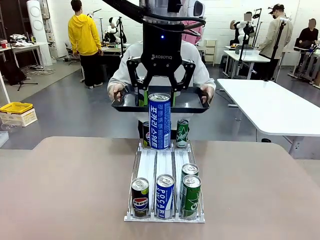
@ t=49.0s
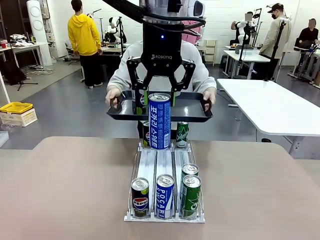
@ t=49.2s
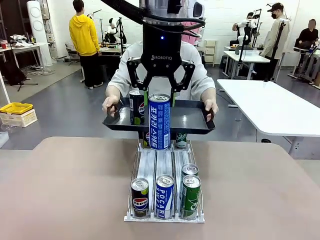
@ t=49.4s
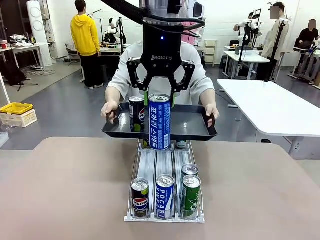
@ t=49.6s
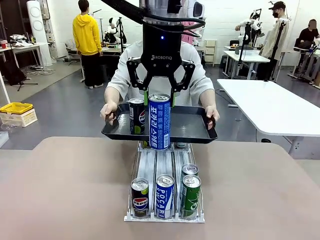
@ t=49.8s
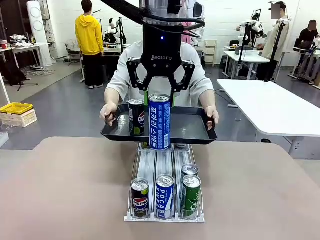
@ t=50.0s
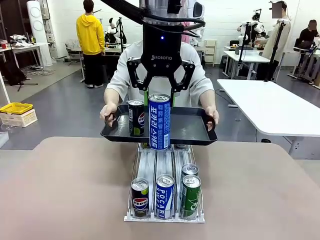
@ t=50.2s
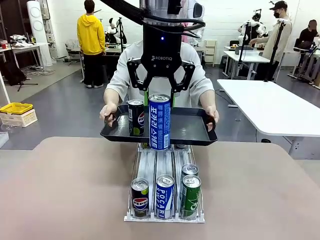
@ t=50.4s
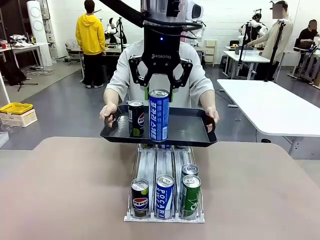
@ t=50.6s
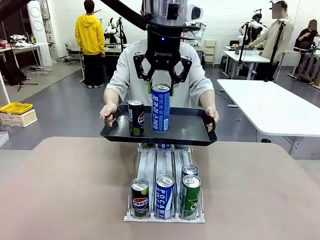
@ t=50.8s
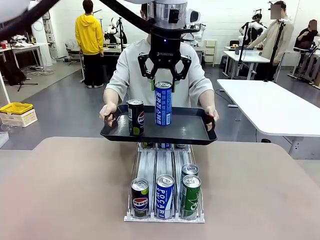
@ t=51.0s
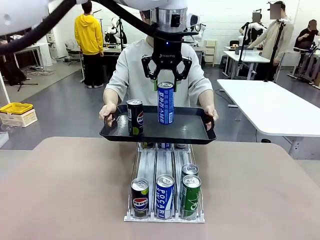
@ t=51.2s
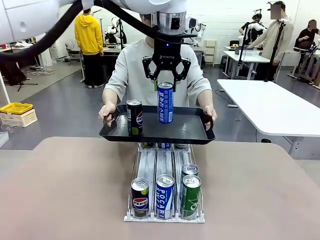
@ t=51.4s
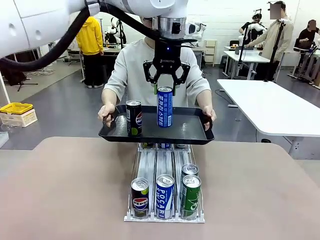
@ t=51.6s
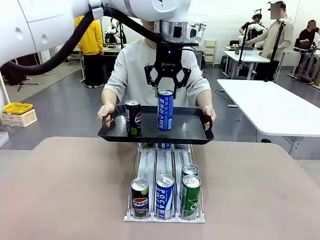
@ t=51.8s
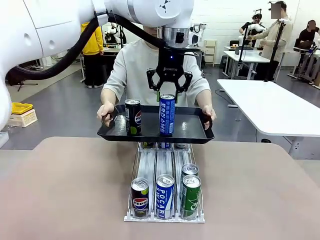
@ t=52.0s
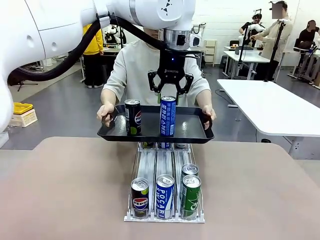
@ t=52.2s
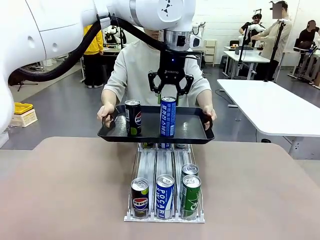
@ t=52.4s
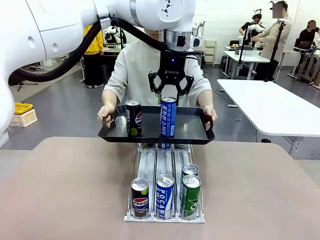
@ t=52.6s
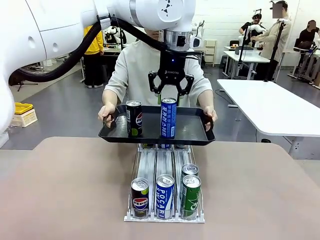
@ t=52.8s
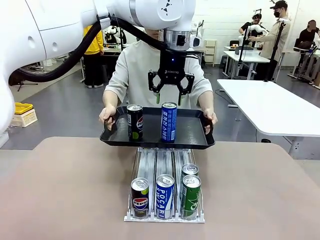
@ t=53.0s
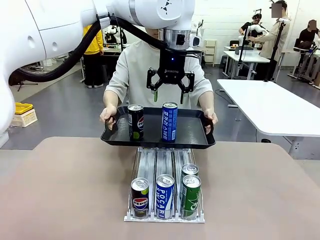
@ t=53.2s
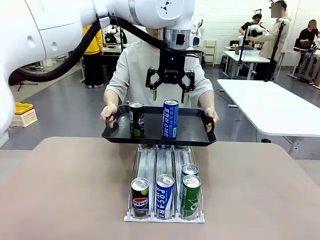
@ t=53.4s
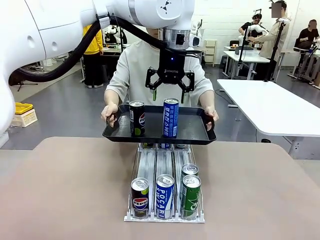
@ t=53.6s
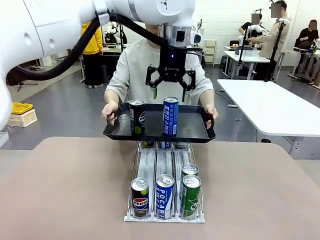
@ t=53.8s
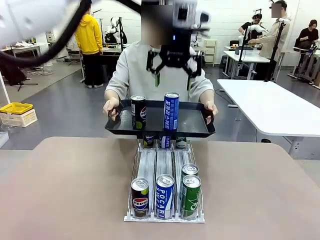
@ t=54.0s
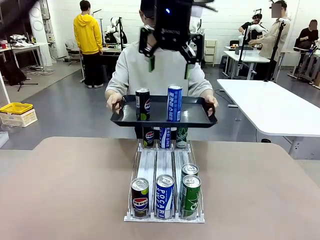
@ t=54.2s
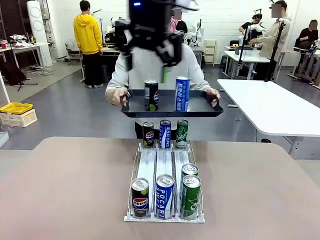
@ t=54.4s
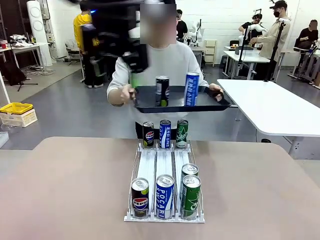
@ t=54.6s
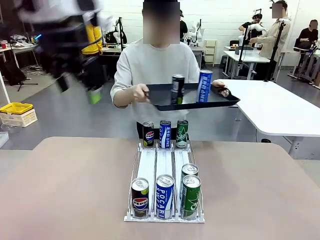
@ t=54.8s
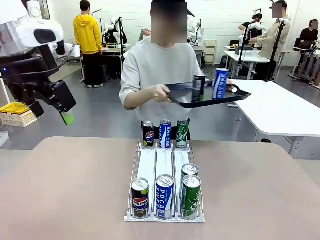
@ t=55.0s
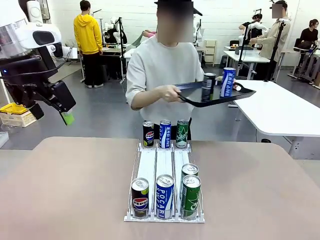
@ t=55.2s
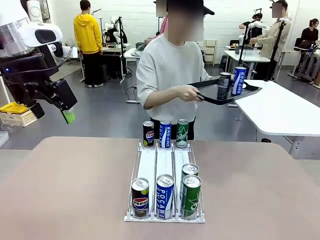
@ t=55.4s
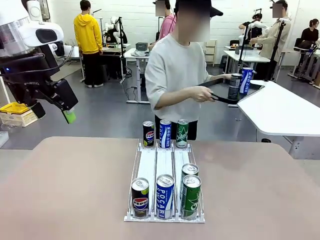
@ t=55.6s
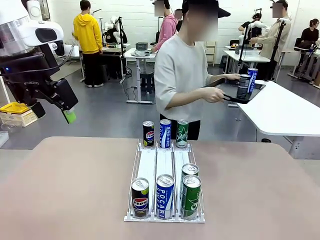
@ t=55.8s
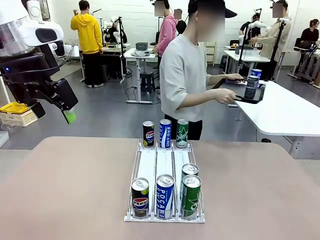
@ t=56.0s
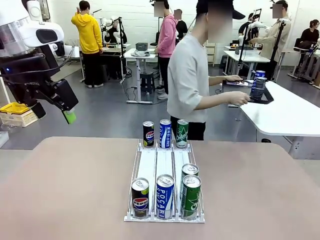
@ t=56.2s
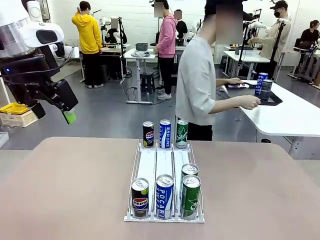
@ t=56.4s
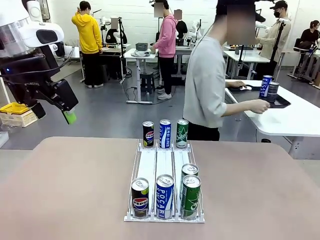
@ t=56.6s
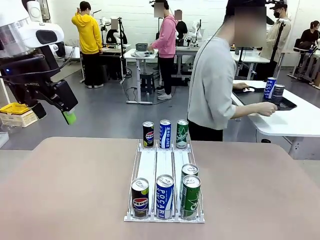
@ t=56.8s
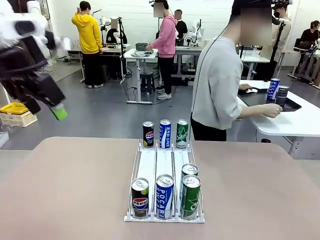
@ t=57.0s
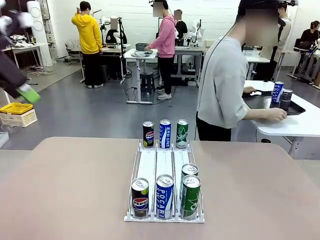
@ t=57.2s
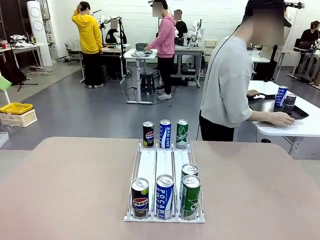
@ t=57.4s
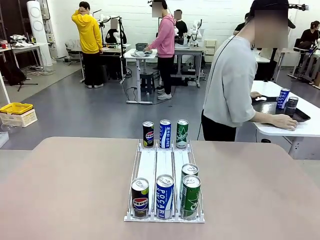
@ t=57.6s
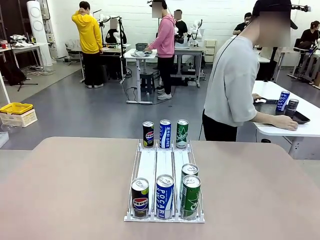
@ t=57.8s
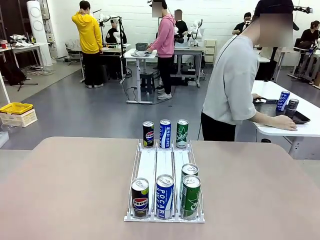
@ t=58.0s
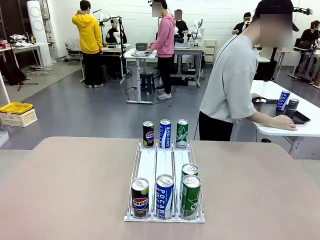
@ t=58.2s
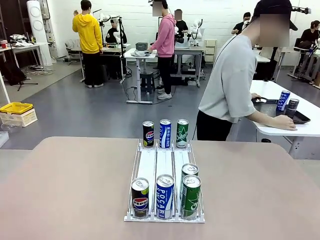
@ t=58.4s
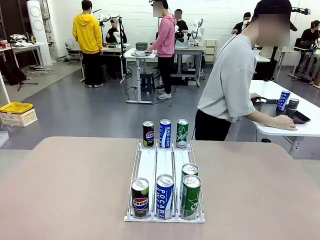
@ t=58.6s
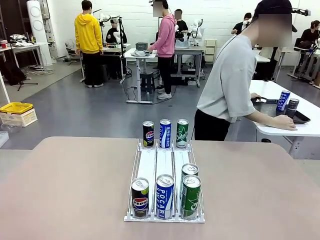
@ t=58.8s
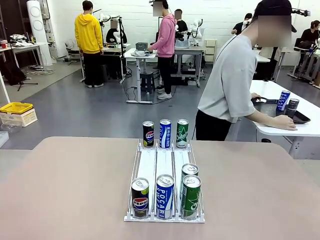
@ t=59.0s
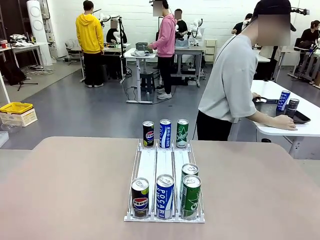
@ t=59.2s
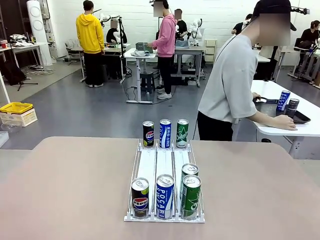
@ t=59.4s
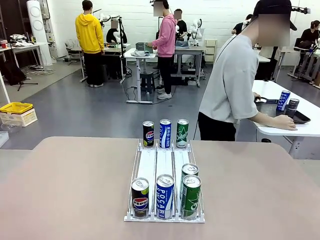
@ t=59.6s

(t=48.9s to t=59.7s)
Task: Retrieve and hand over the desired beverage to the person.
Robot: Place the picked can on the Handle tray extended by the person.
Person: Pull the tray back and place it at the center of the human table.

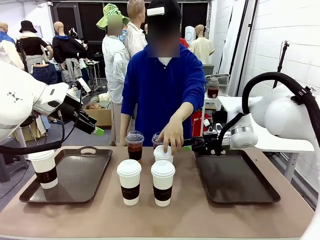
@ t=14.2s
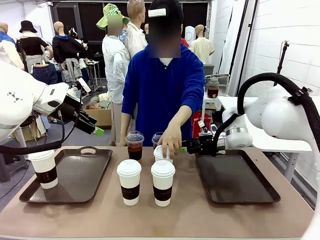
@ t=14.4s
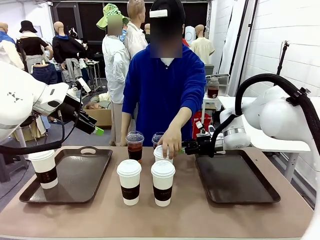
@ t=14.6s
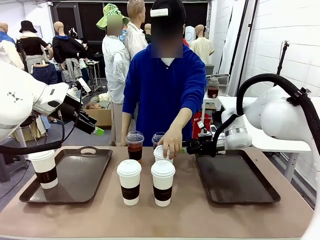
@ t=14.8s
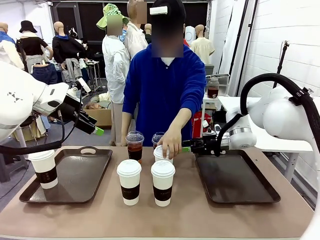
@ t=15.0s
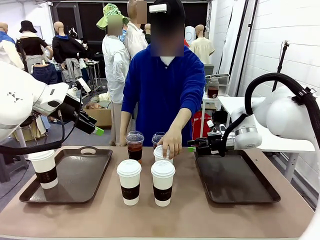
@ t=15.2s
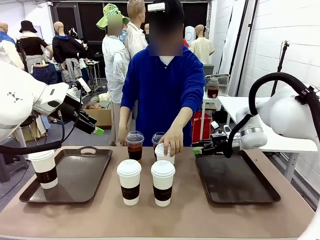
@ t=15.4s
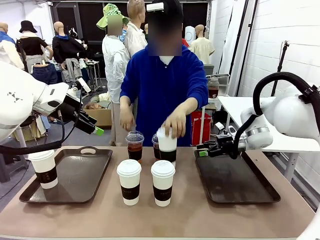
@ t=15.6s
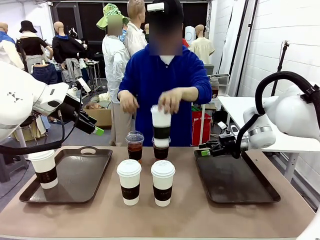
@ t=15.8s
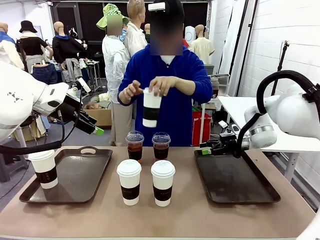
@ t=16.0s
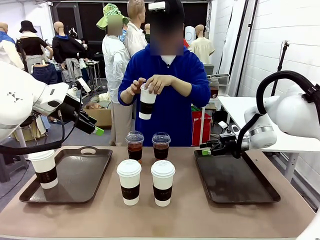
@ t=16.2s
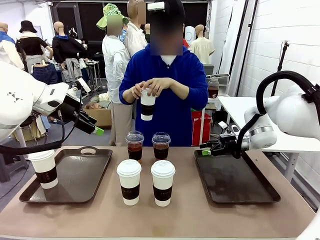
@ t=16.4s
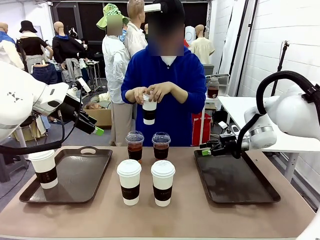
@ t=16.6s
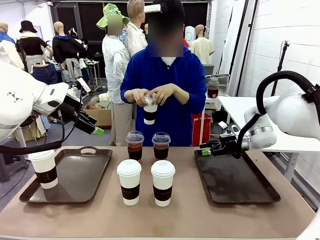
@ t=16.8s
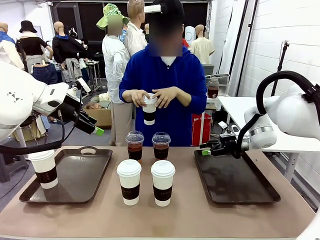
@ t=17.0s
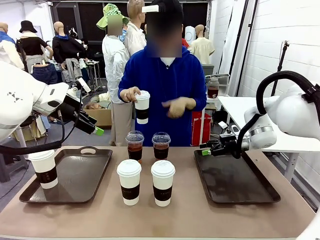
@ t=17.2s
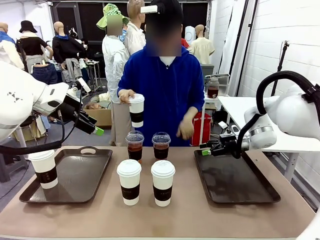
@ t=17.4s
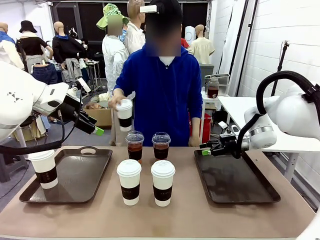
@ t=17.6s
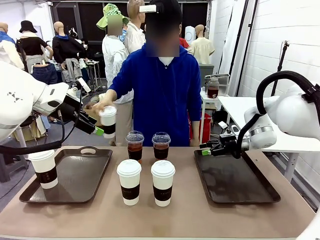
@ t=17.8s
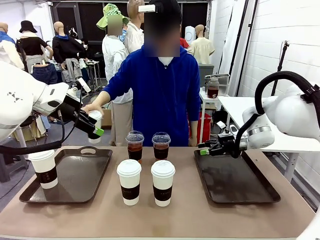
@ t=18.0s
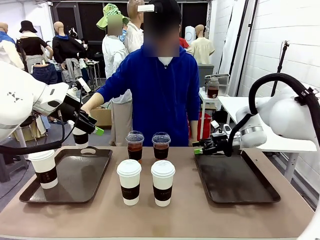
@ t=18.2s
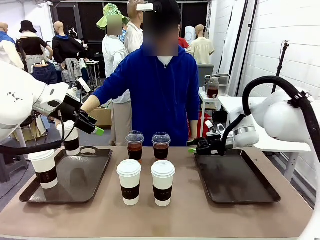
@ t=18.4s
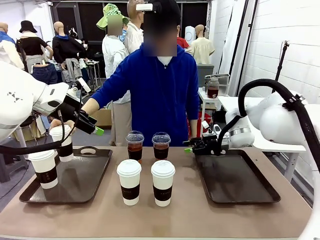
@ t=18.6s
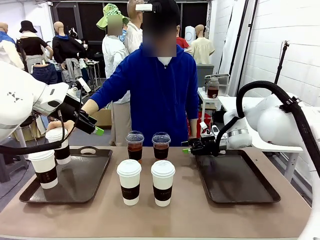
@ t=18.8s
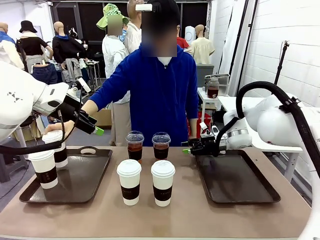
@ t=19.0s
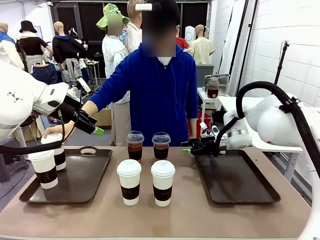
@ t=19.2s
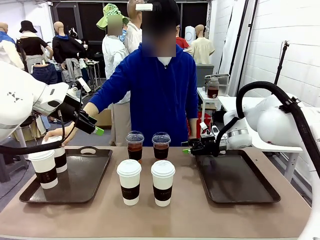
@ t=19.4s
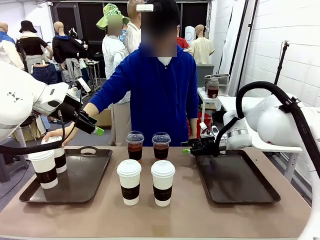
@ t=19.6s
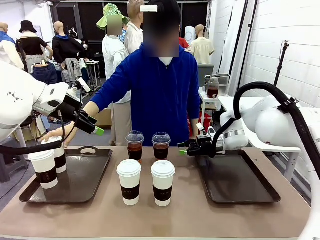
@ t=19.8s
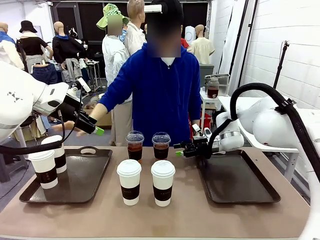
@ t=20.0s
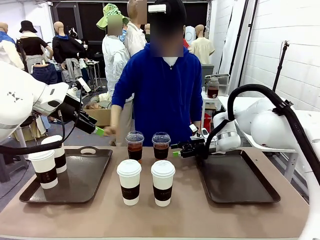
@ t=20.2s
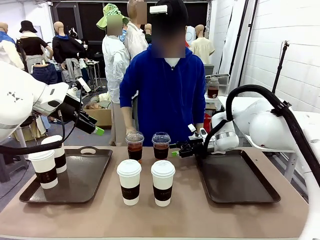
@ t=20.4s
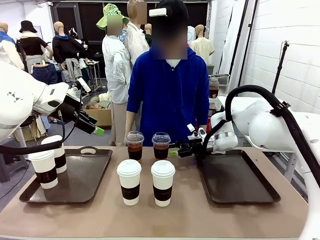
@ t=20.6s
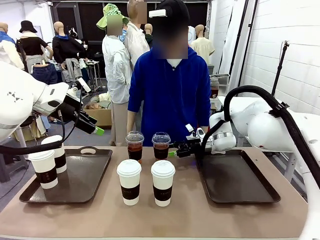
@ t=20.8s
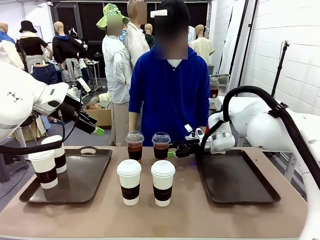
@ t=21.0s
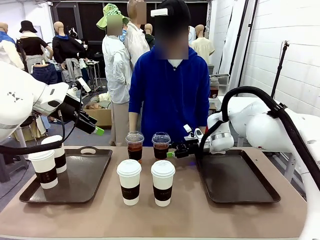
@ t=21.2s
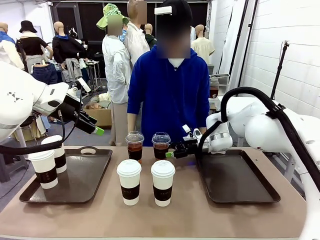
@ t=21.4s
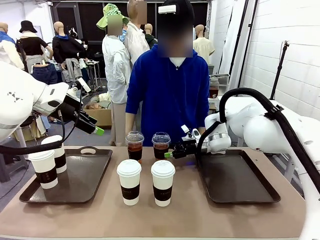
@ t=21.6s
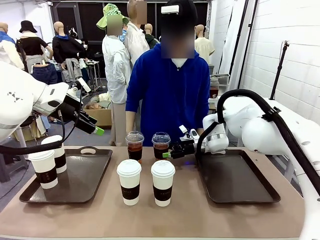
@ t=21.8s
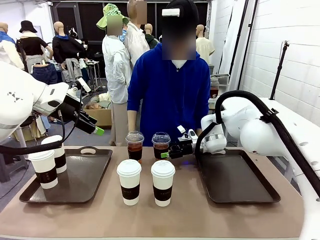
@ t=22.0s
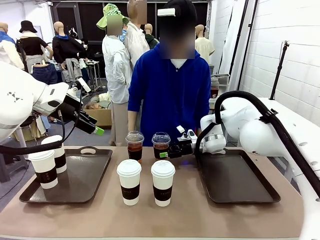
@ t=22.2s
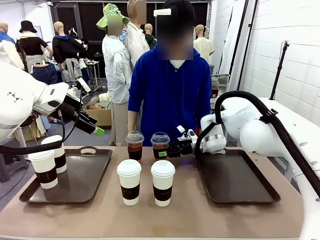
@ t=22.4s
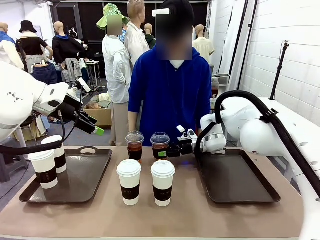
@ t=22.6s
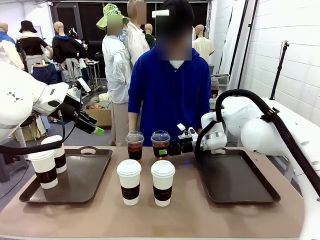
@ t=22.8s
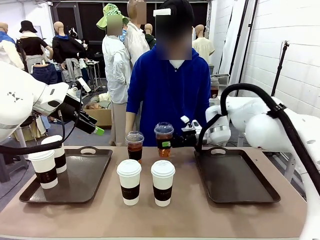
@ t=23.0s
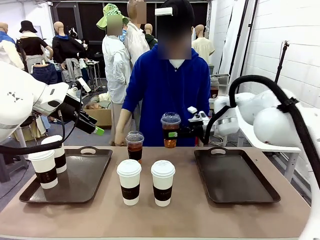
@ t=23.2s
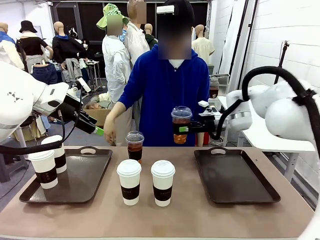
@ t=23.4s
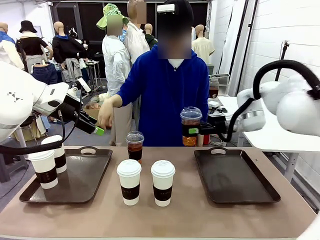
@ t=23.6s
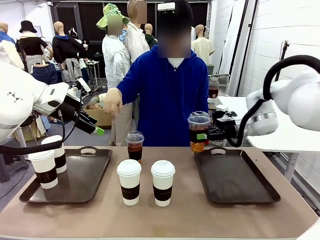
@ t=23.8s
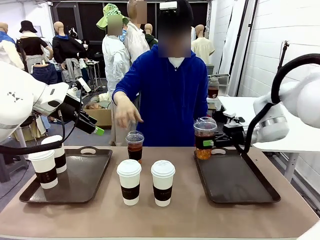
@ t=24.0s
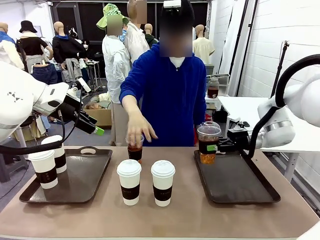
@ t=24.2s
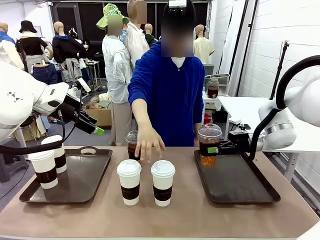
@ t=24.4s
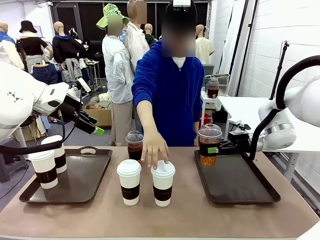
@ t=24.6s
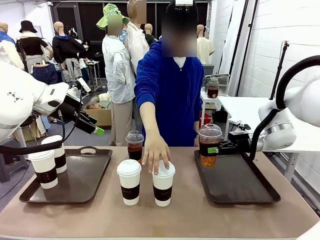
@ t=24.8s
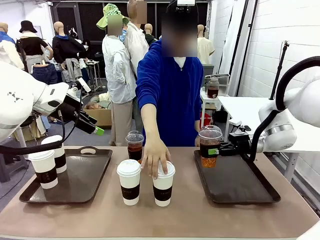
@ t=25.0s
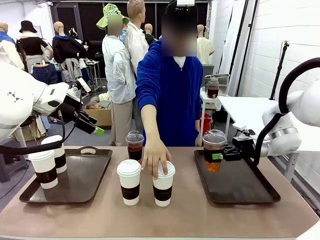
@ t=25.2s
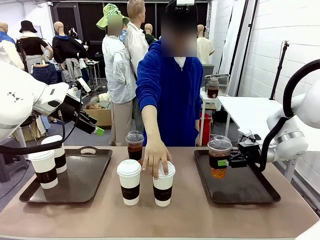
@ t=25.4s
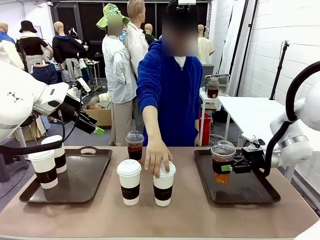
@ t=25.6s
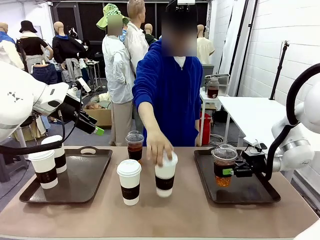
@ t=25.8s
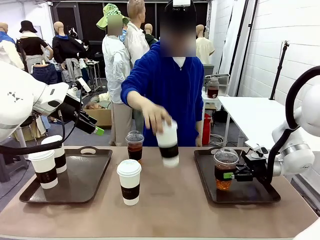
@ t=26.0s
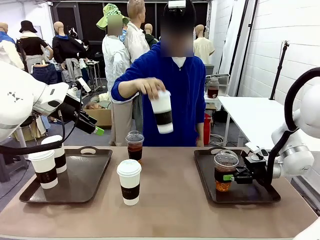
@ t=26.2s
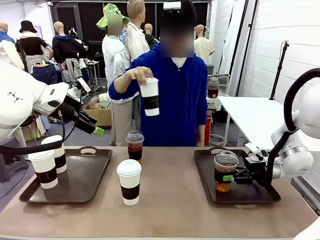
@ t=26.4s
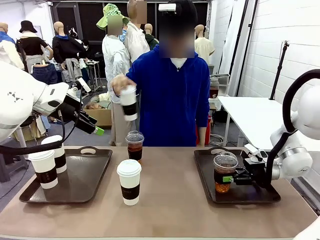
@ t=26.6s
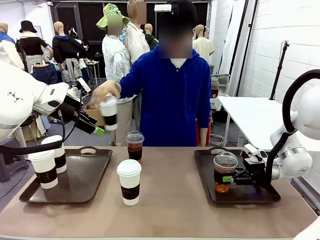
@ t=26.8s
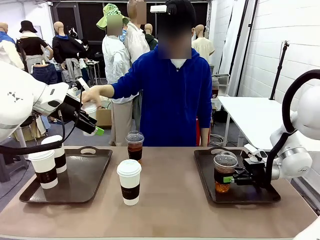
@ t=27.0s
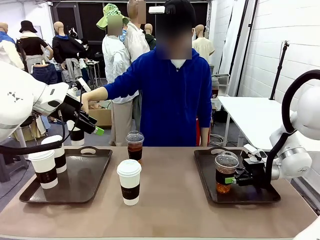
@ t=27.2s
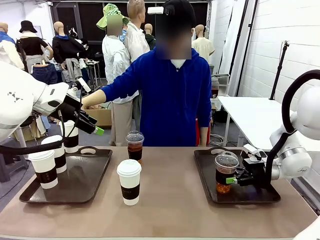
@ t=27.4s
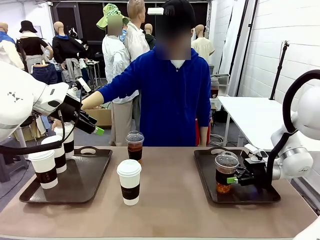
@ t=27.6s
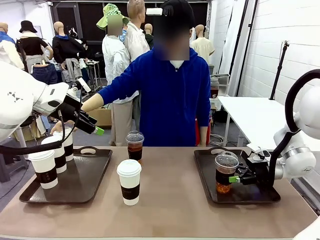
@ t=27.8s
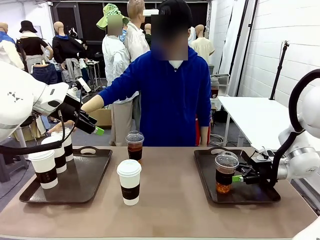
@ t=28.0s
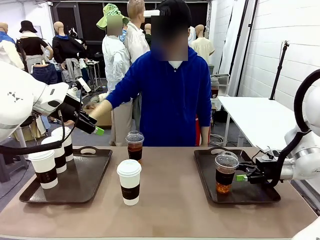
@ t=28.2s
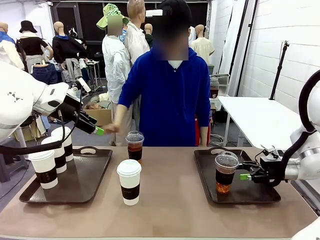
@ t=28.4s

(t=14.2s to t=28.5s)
Task: Distribute the coffee onto the tray.
Robot: Pick up one iced Americano and place it on the right Handle tray.
